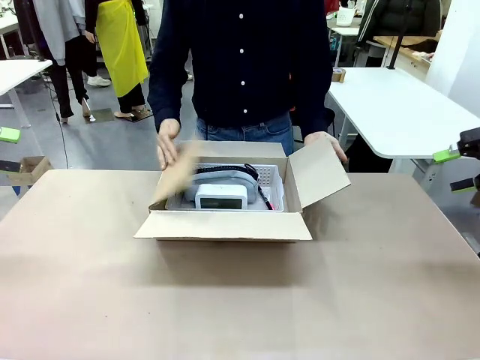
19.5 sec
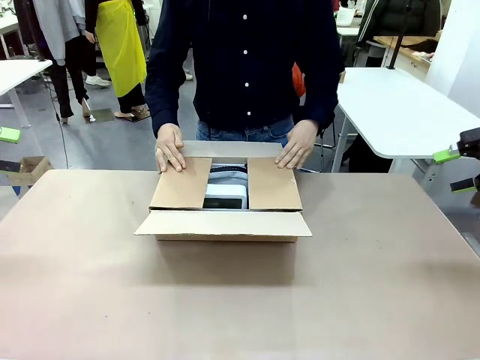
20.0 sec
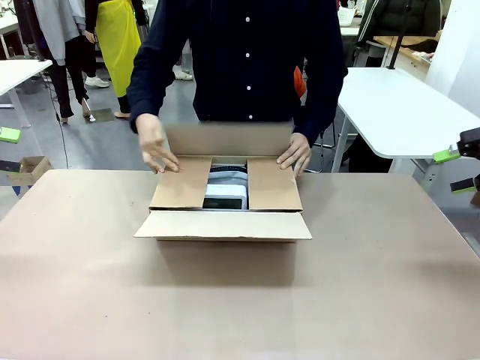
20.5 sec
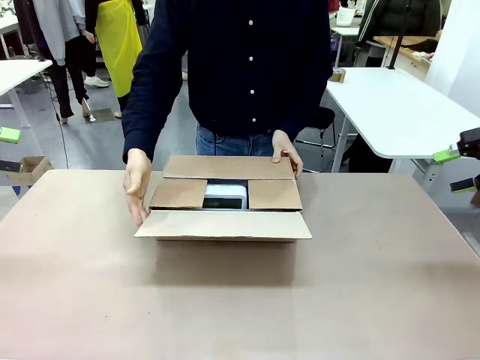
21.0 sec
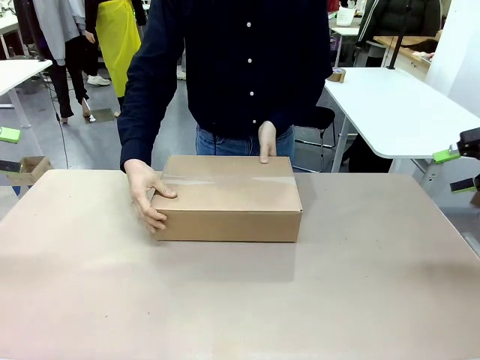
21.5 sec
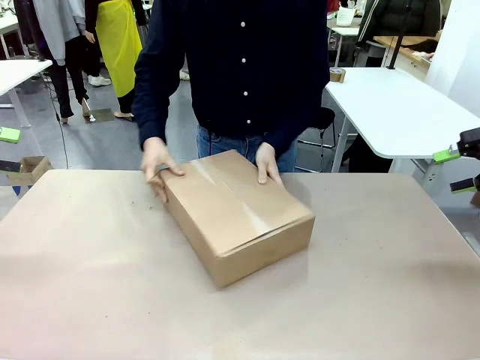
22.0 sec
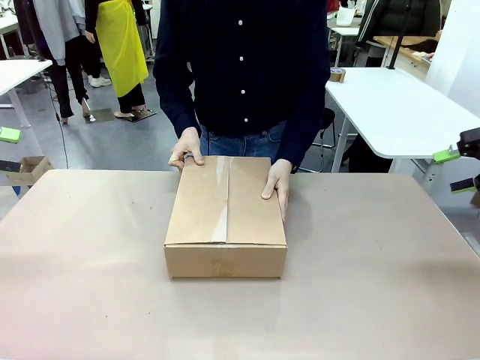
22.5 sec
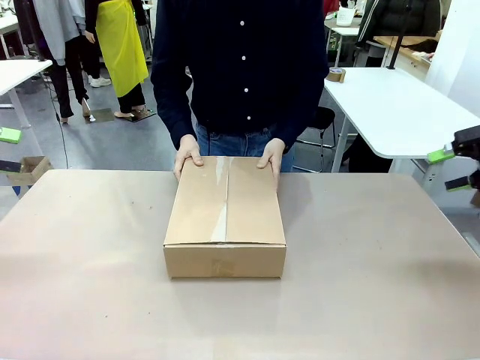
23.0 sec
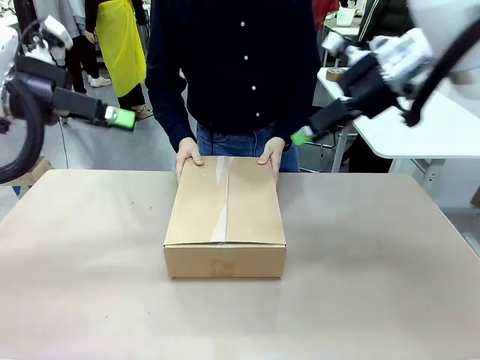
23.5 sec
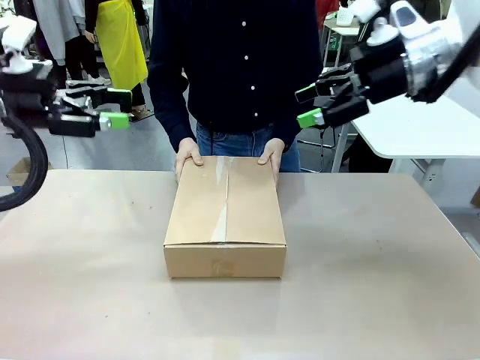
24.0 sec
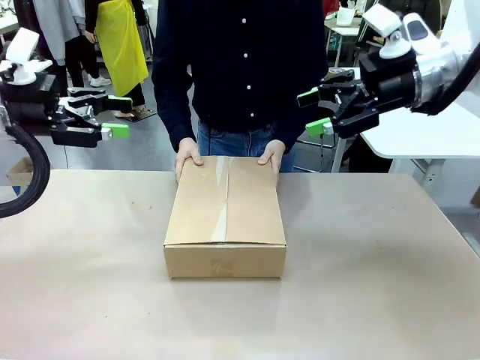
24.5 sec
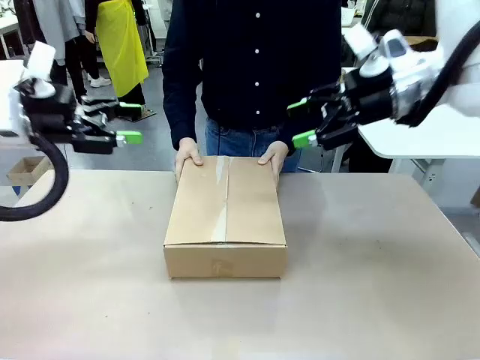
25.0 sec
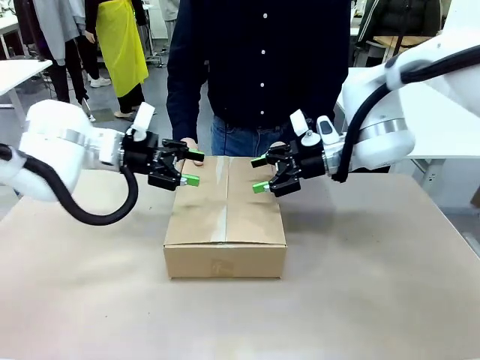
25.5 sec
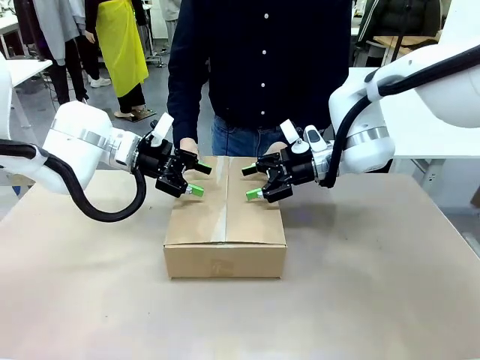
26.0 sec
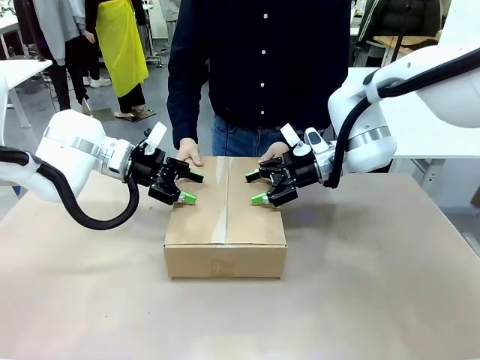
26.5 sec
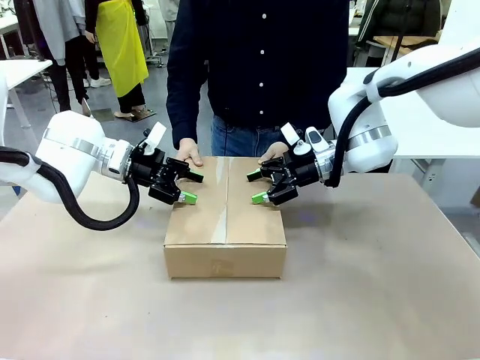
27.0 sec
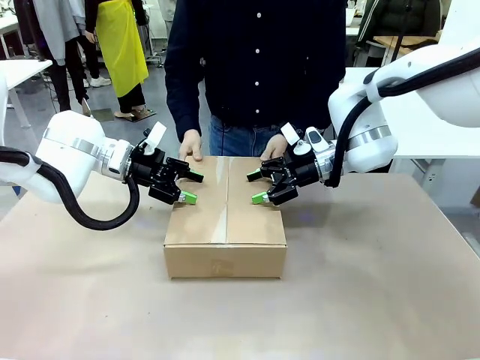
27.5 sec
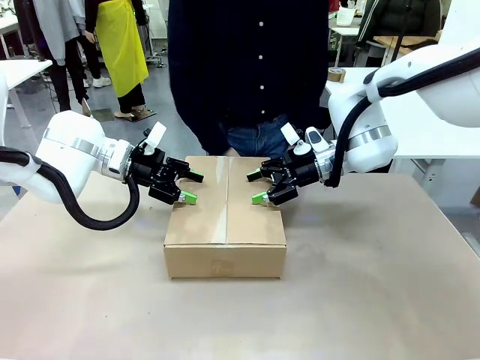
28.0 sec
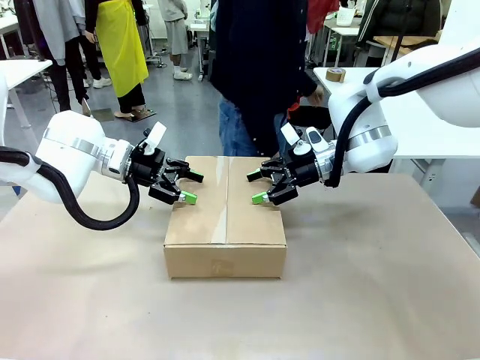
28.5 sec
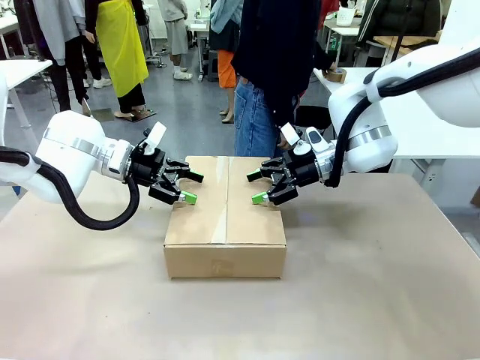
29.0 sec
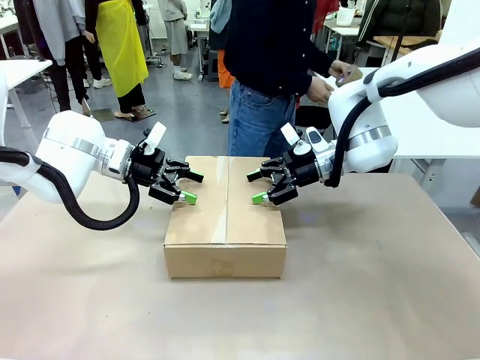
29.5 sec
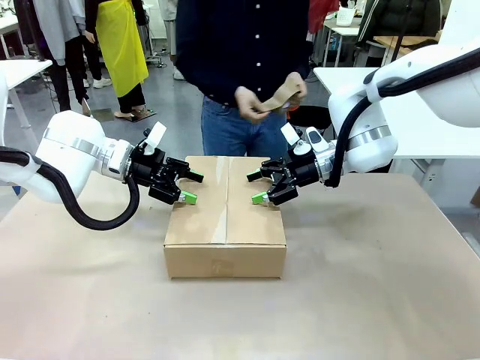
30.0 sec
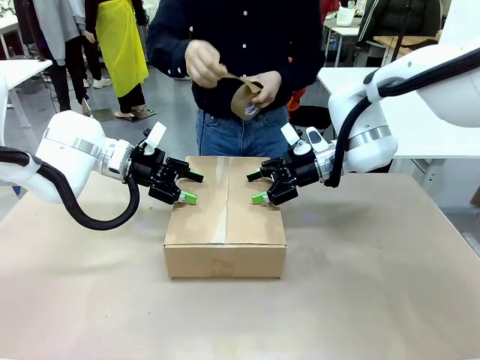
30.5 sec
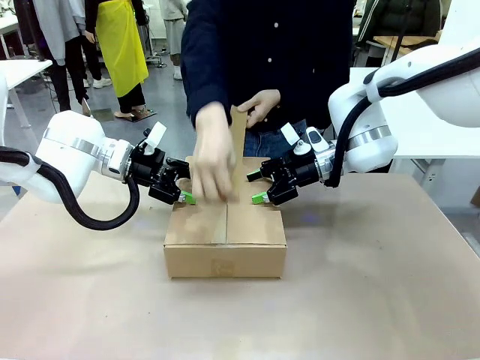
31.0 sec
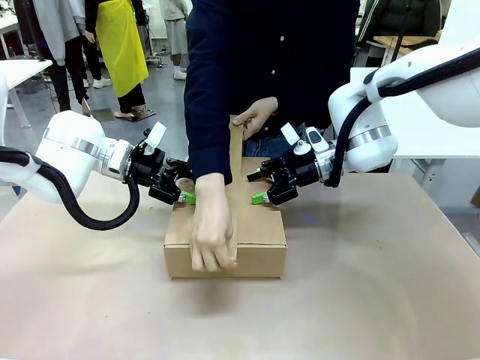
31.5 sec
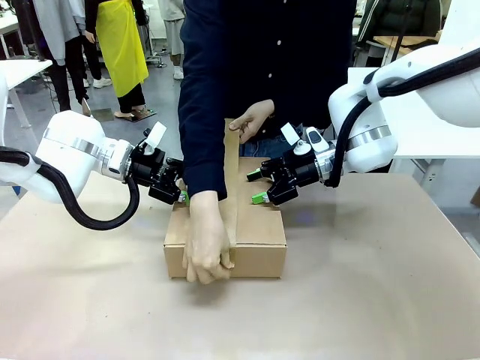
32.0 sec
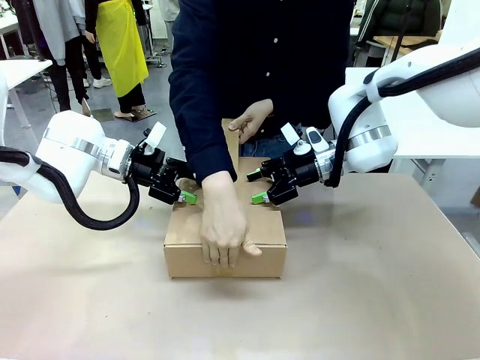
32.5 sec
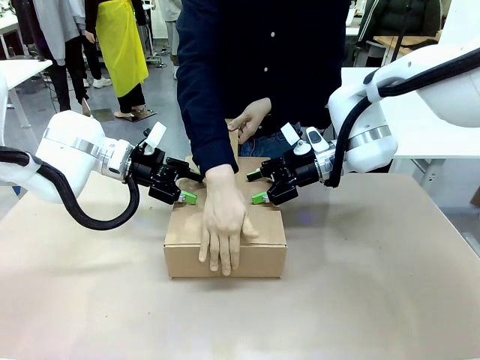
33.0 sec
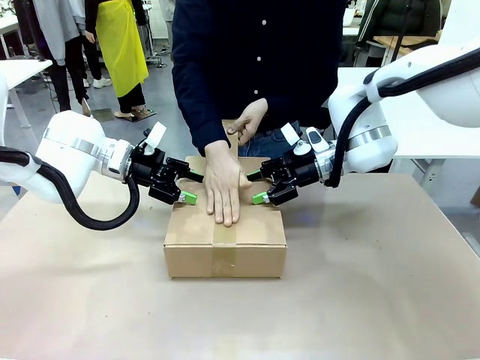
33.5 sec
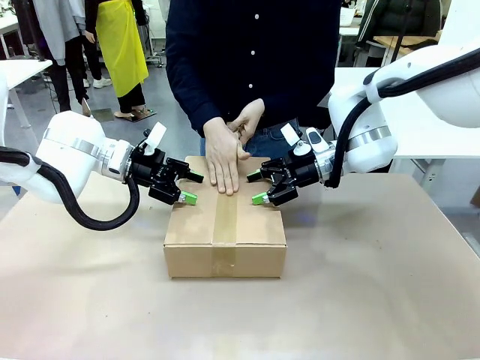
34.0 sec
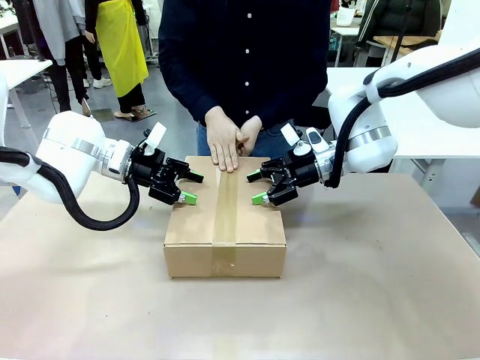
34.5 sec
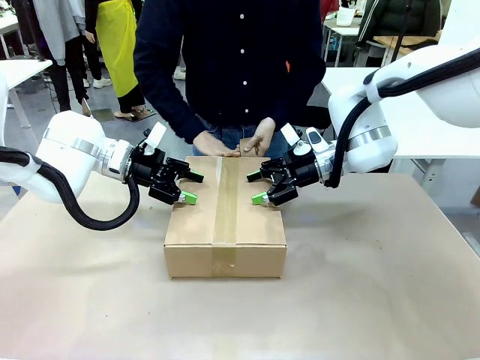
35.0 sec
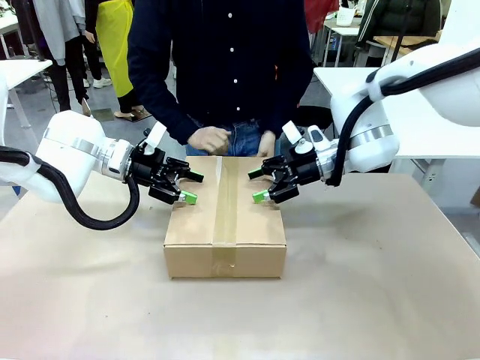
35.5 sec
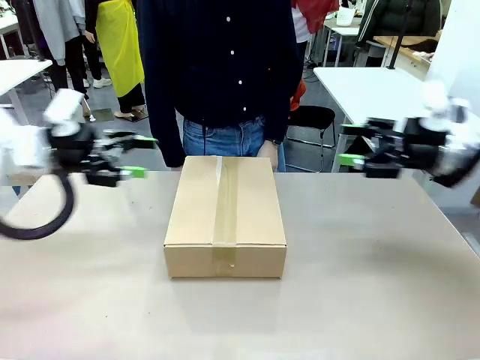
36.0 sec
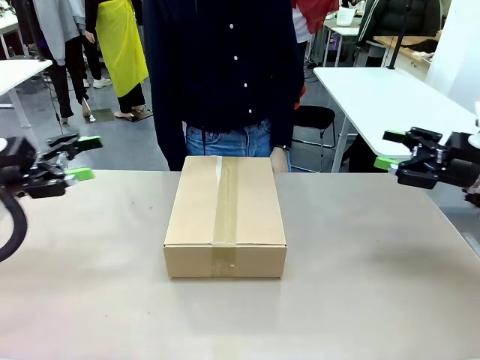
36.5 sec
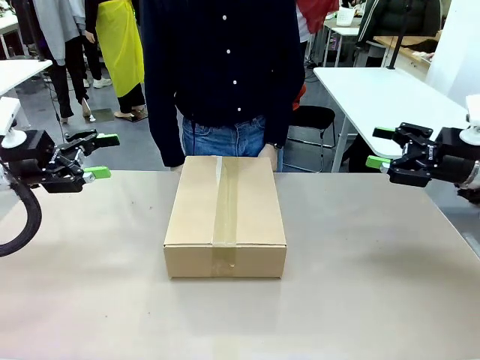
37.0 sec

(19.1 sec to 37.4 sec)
Task: Pack the gift set into the box.
Robot: Press and hold the closed box until the human finishes sealing it.
Person: The human closes the box and rotates the box by 90 degrees. The human picks up the paper tape from the human table and packs the box.

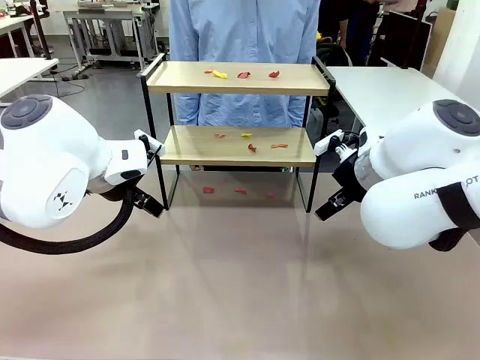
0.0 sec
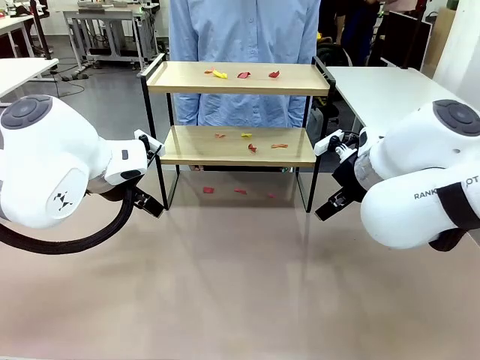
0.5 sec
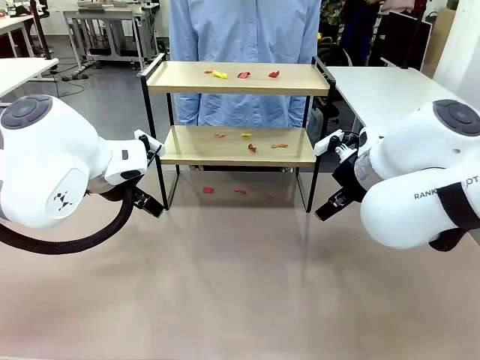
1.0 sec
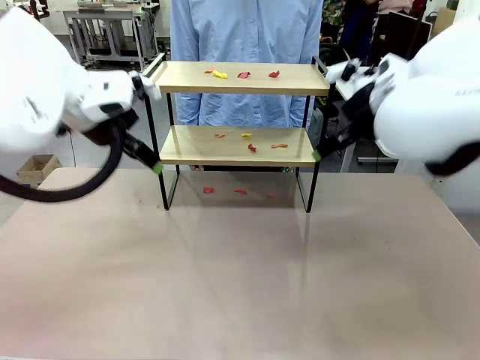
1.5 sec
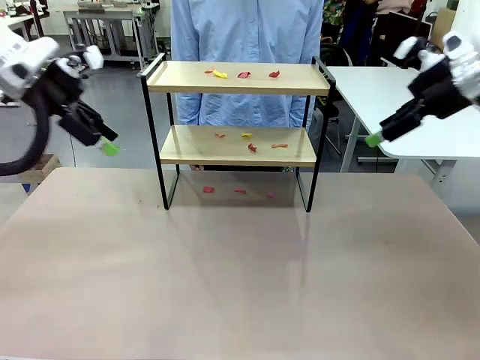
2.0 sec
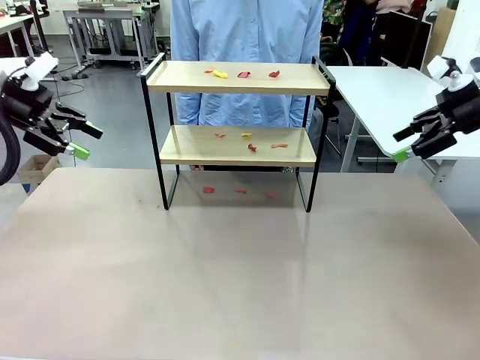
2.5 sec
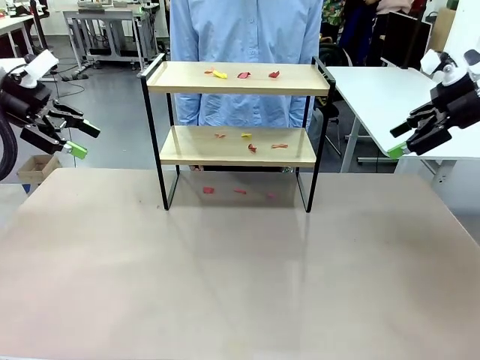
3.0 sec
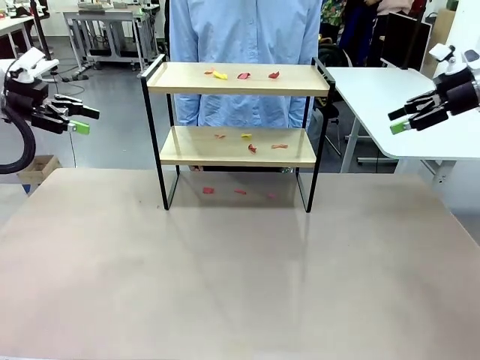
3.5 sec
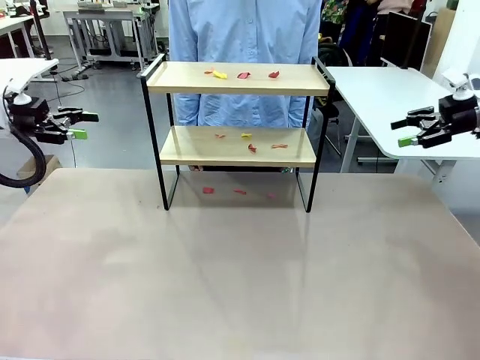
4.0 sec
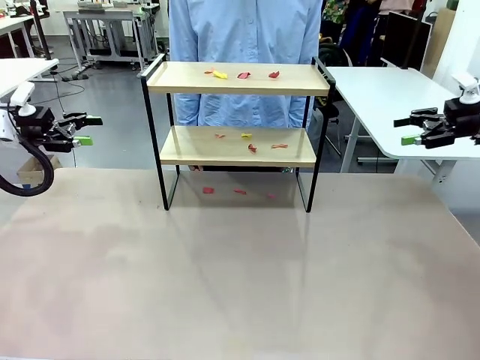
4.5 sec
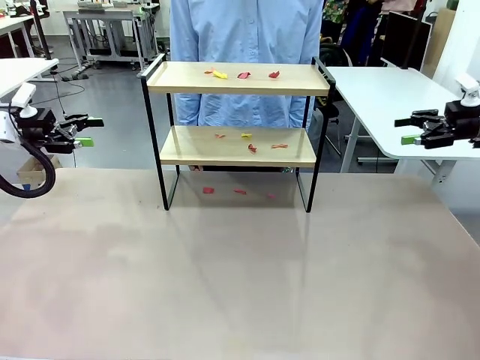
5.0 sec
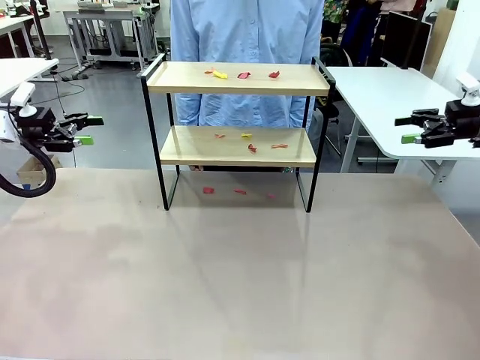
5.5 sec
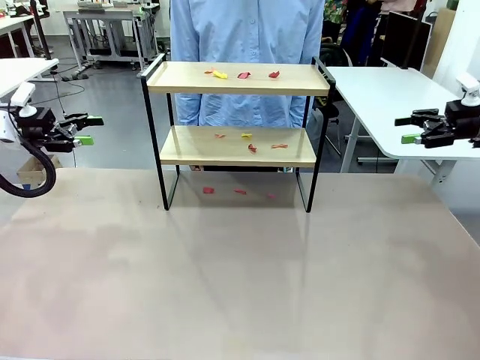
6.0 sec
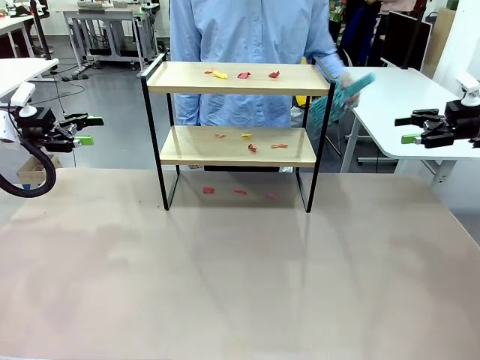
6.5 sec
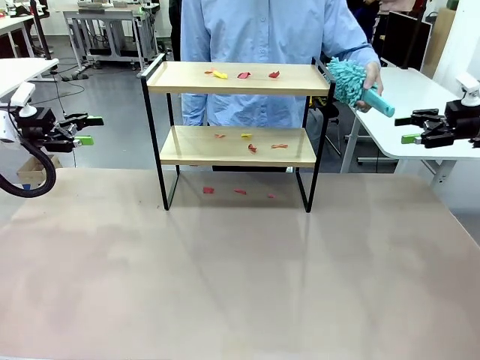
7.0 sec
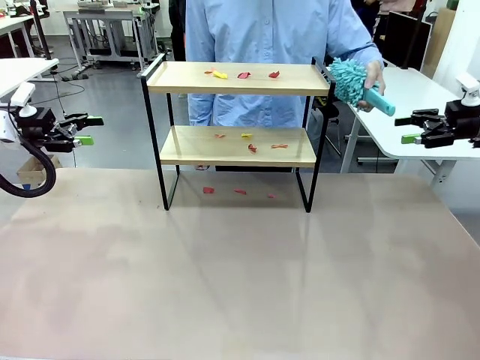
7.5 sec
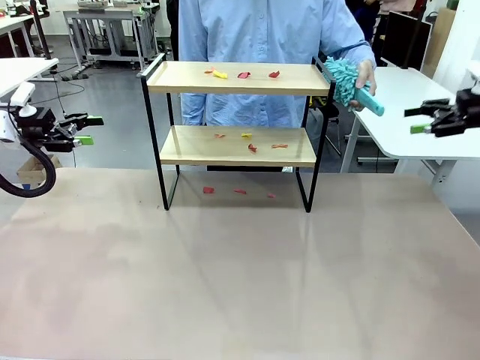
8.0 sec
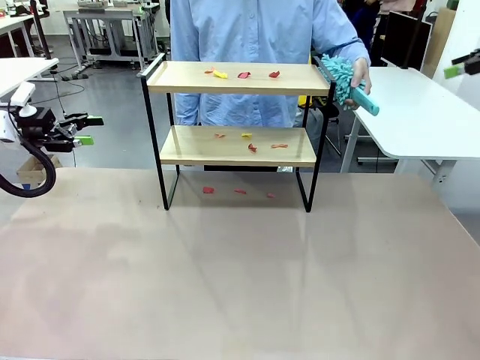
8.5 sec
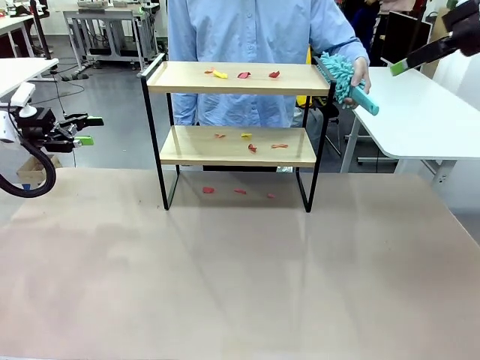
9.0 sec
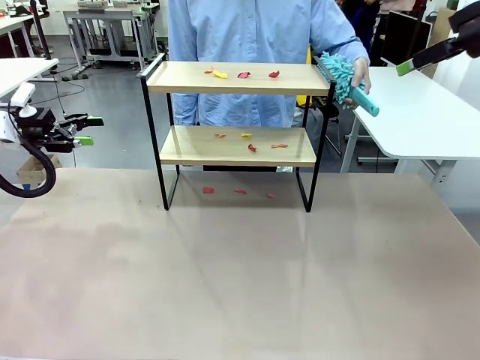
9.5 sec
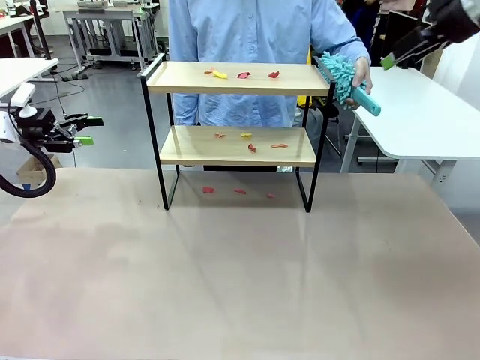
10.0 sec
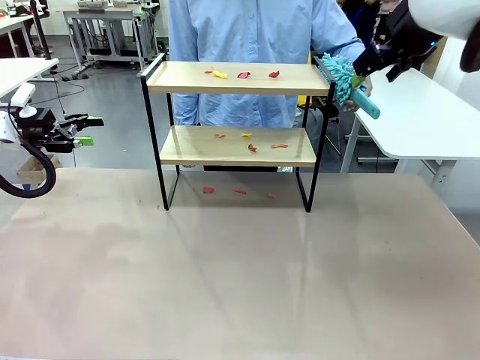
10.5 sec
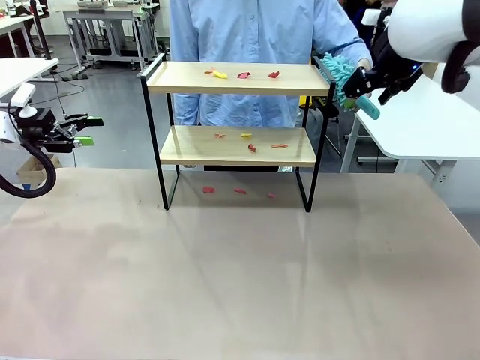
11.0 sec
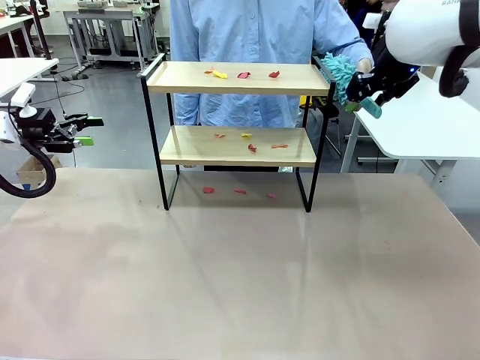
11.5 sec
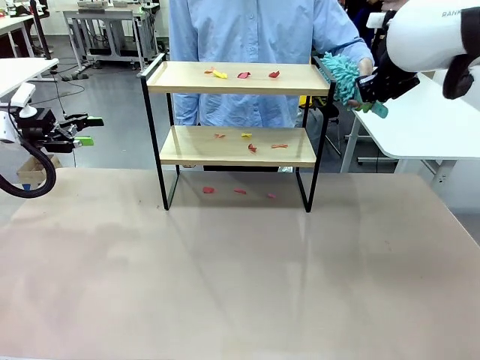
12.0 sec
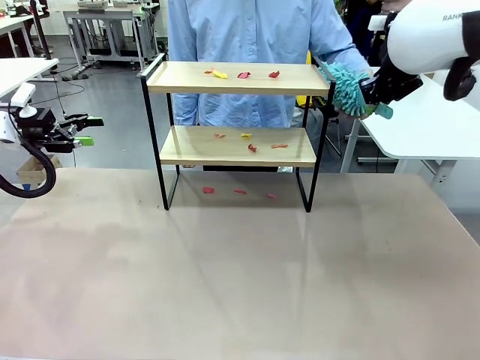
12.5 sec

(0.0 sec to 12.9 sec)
Task: Clean the shelf.
Robot: Pick up the Duster handed by the human.
Person: Hand the Duster to the robot.
